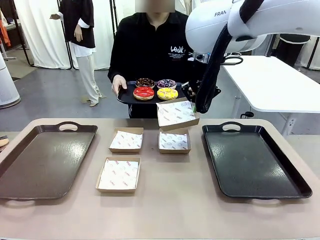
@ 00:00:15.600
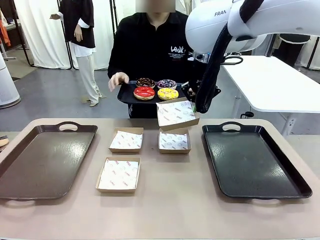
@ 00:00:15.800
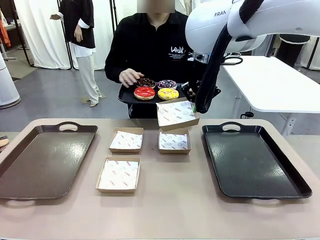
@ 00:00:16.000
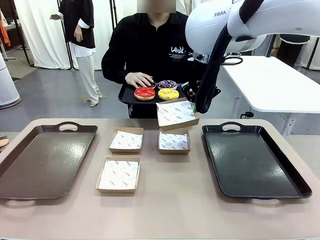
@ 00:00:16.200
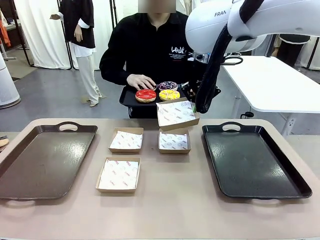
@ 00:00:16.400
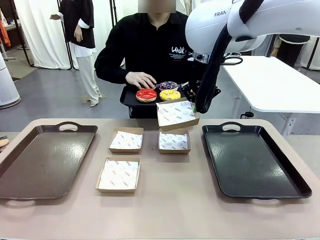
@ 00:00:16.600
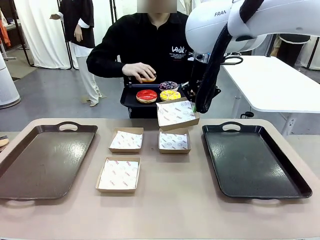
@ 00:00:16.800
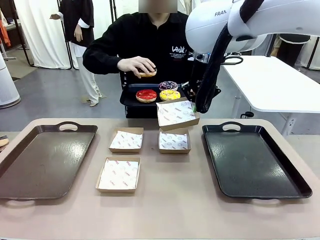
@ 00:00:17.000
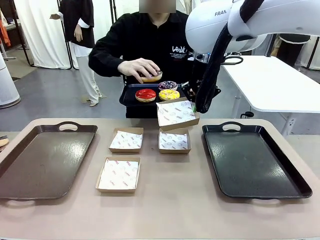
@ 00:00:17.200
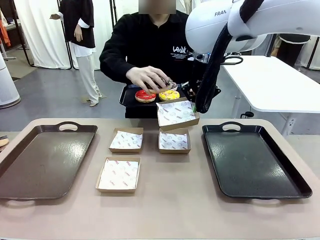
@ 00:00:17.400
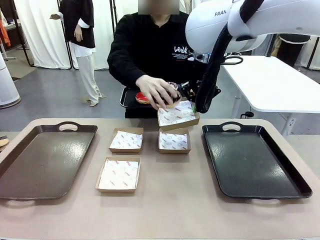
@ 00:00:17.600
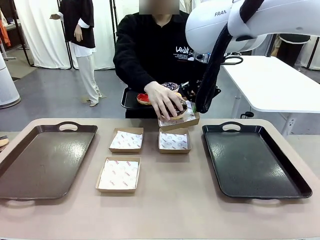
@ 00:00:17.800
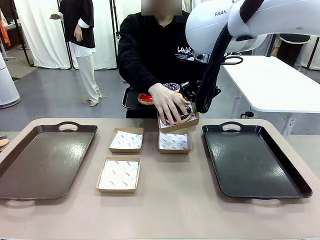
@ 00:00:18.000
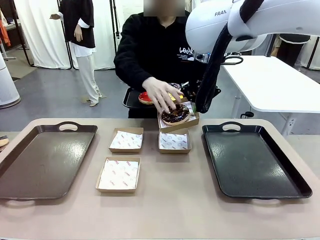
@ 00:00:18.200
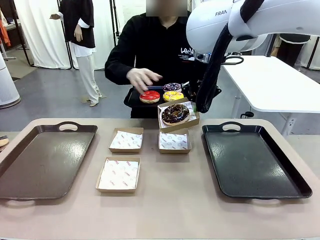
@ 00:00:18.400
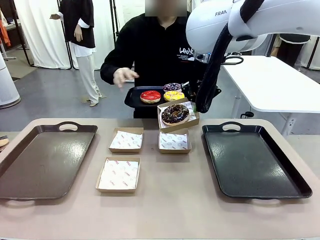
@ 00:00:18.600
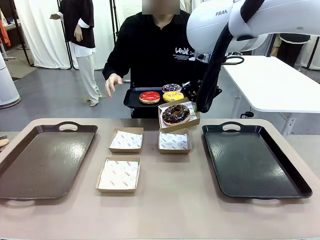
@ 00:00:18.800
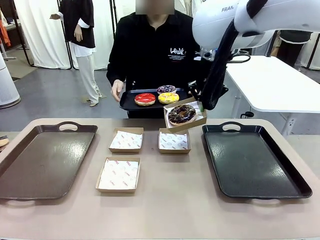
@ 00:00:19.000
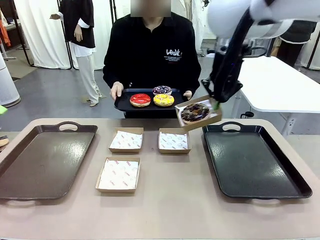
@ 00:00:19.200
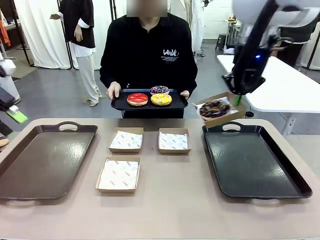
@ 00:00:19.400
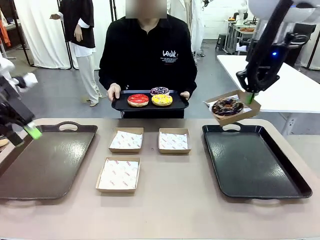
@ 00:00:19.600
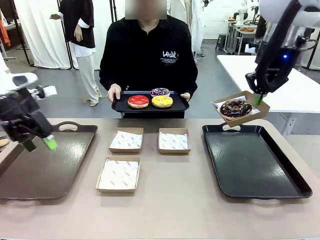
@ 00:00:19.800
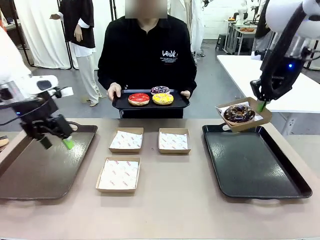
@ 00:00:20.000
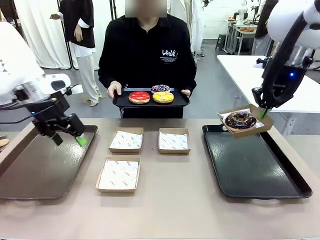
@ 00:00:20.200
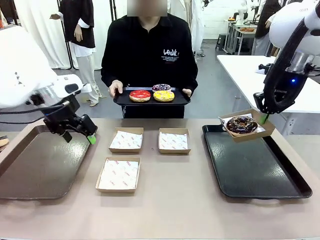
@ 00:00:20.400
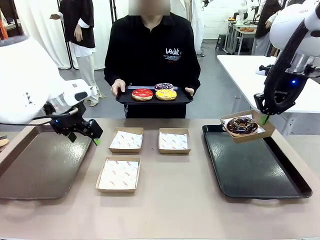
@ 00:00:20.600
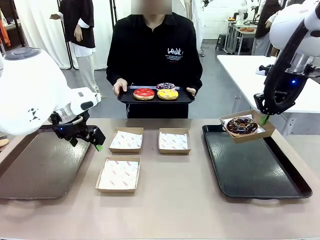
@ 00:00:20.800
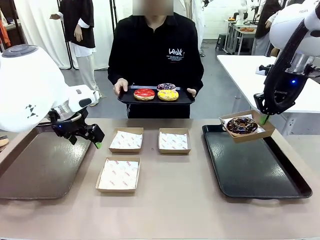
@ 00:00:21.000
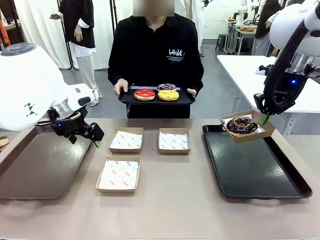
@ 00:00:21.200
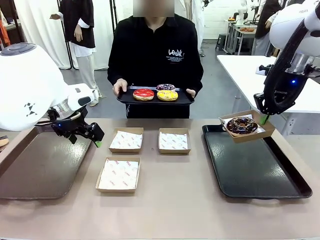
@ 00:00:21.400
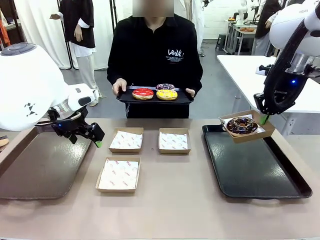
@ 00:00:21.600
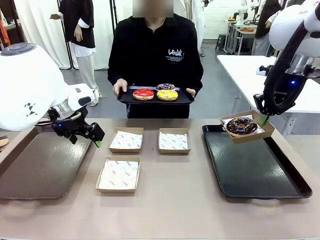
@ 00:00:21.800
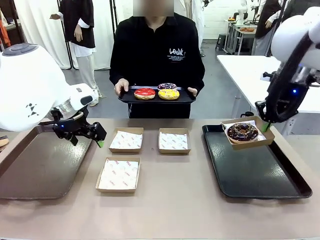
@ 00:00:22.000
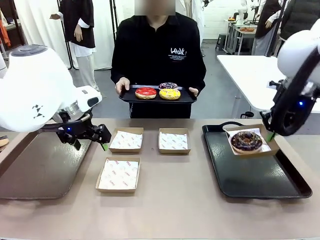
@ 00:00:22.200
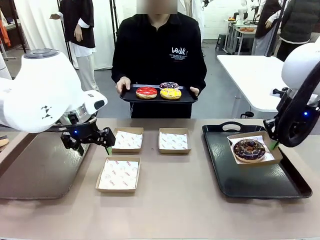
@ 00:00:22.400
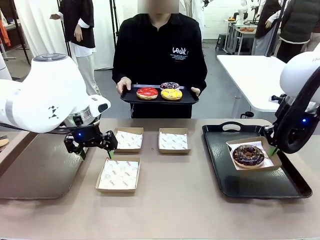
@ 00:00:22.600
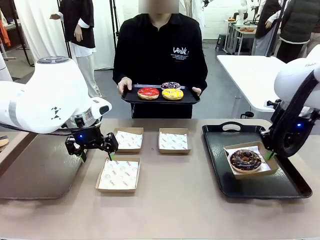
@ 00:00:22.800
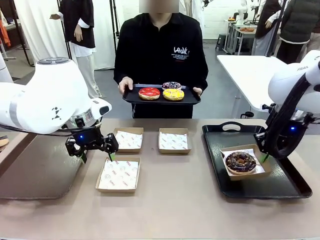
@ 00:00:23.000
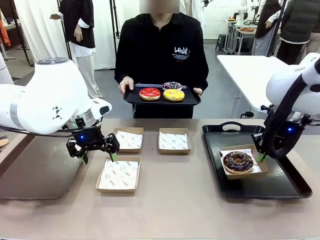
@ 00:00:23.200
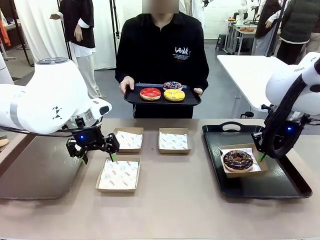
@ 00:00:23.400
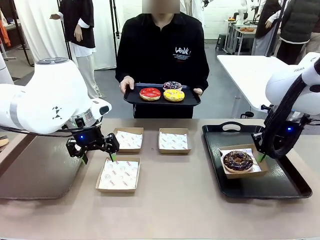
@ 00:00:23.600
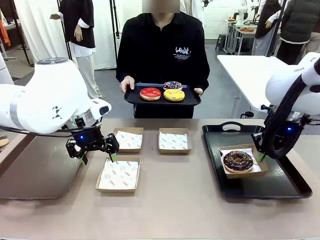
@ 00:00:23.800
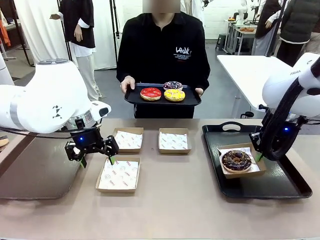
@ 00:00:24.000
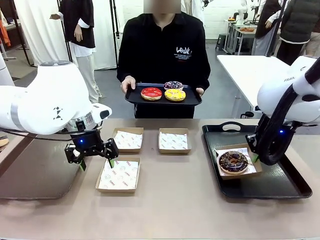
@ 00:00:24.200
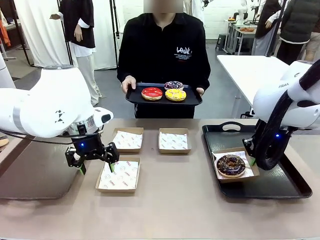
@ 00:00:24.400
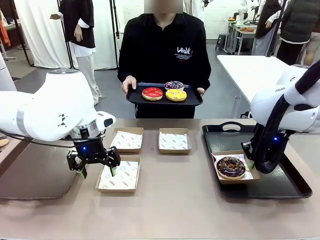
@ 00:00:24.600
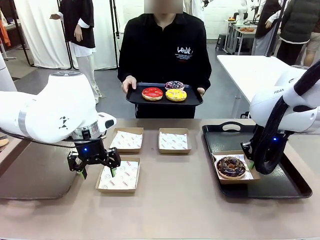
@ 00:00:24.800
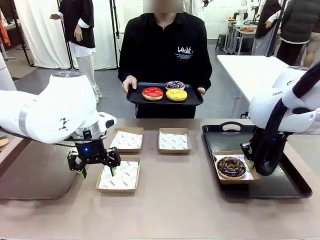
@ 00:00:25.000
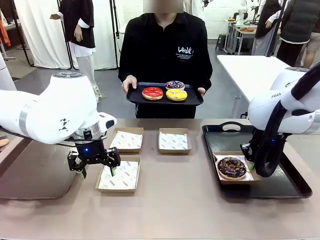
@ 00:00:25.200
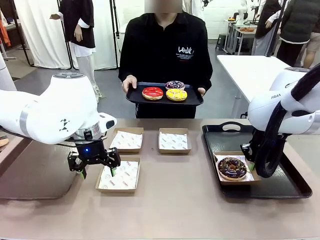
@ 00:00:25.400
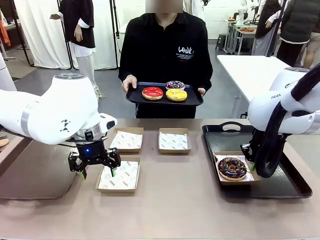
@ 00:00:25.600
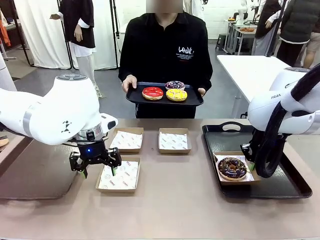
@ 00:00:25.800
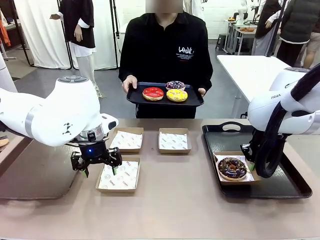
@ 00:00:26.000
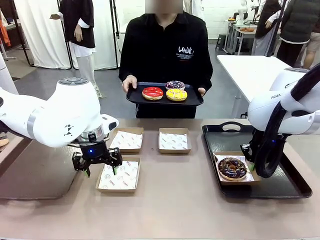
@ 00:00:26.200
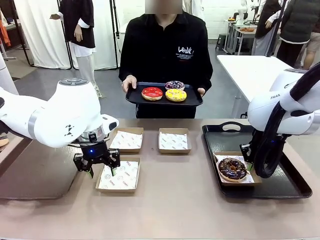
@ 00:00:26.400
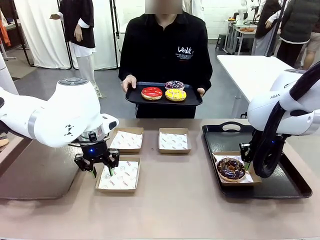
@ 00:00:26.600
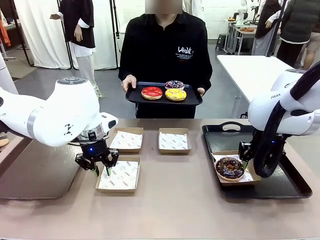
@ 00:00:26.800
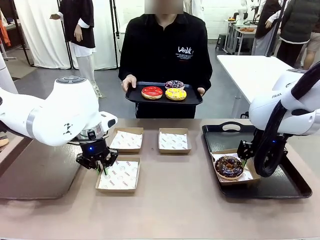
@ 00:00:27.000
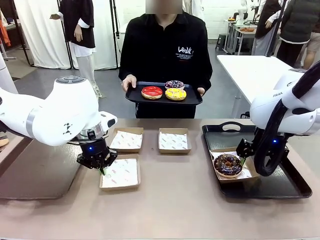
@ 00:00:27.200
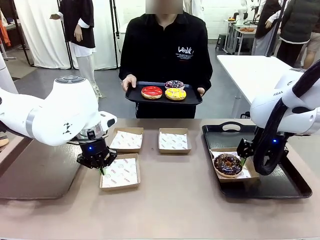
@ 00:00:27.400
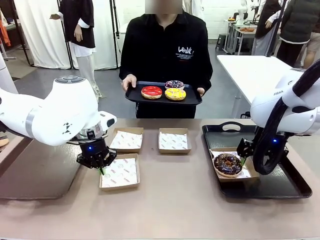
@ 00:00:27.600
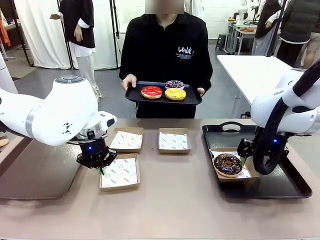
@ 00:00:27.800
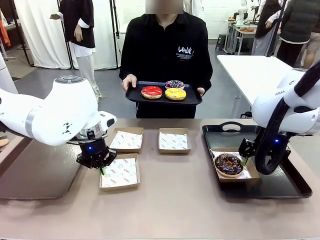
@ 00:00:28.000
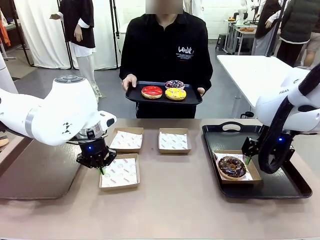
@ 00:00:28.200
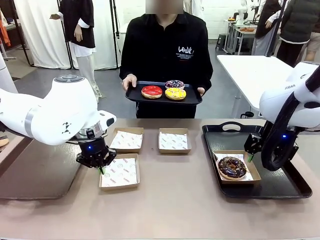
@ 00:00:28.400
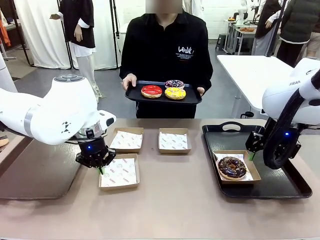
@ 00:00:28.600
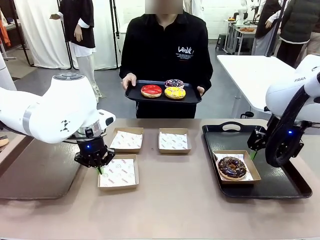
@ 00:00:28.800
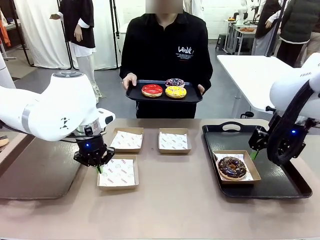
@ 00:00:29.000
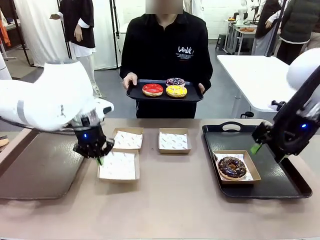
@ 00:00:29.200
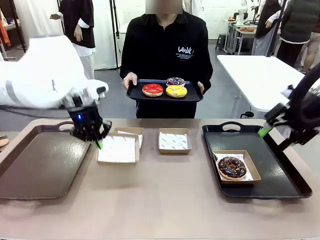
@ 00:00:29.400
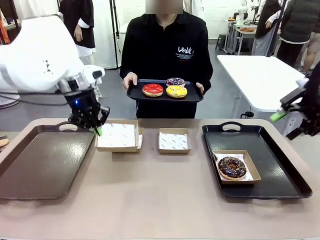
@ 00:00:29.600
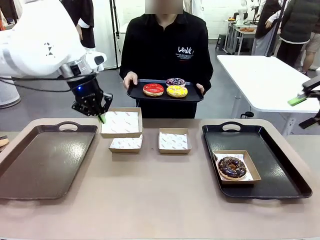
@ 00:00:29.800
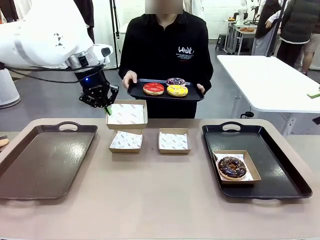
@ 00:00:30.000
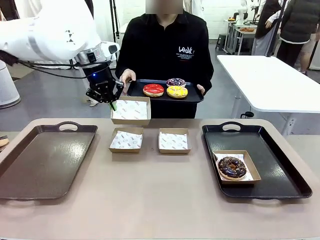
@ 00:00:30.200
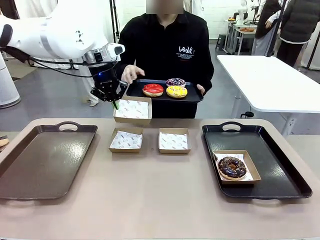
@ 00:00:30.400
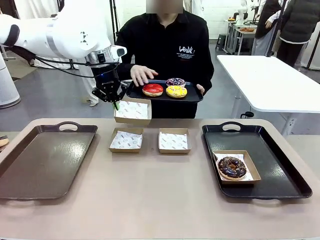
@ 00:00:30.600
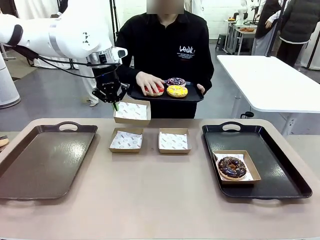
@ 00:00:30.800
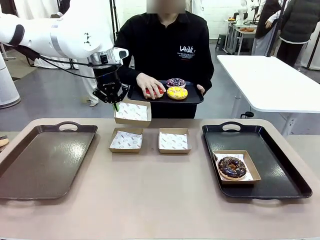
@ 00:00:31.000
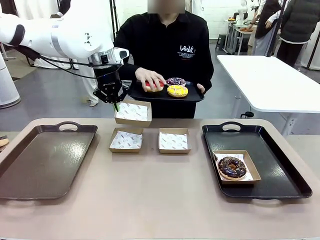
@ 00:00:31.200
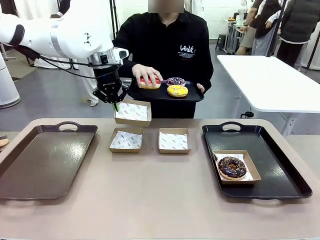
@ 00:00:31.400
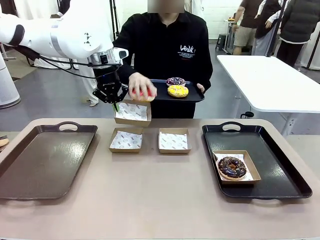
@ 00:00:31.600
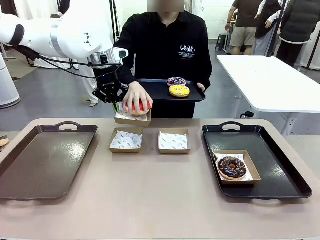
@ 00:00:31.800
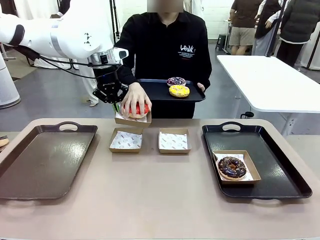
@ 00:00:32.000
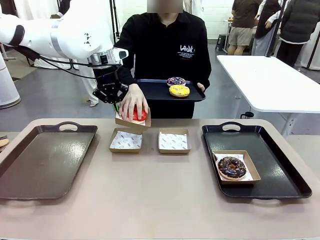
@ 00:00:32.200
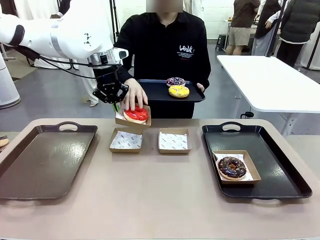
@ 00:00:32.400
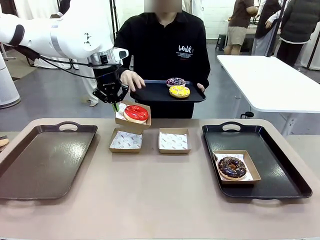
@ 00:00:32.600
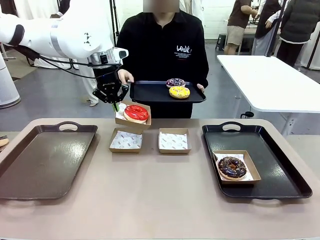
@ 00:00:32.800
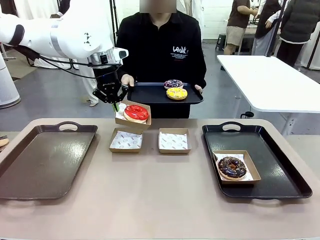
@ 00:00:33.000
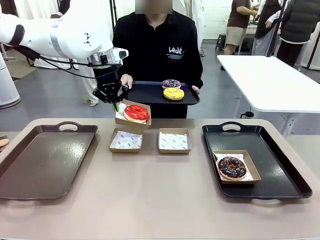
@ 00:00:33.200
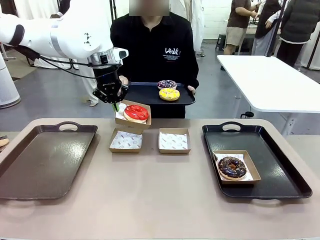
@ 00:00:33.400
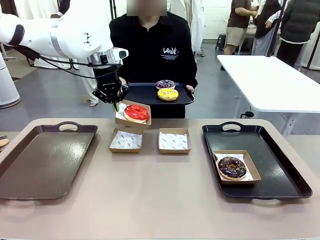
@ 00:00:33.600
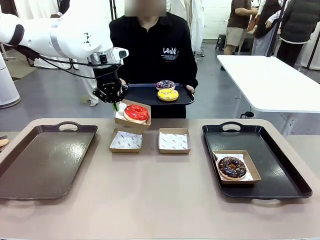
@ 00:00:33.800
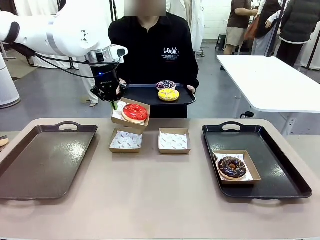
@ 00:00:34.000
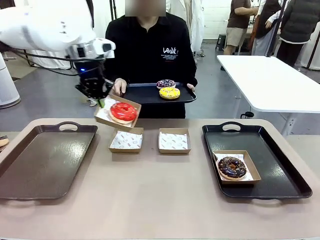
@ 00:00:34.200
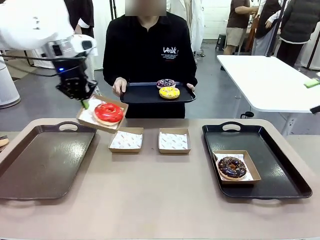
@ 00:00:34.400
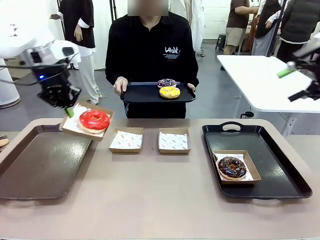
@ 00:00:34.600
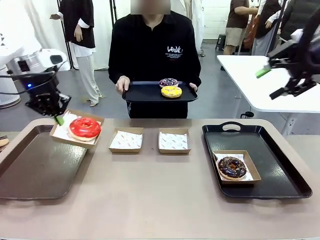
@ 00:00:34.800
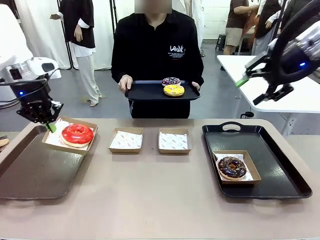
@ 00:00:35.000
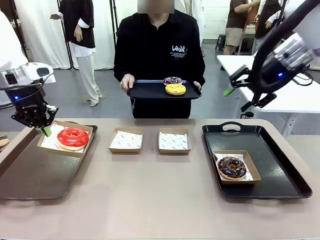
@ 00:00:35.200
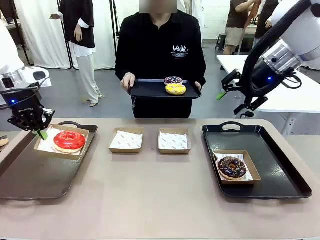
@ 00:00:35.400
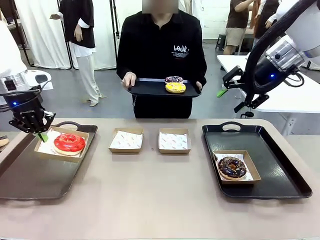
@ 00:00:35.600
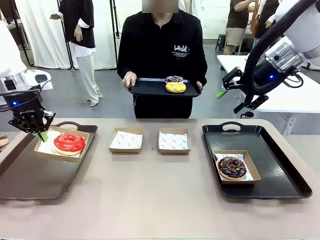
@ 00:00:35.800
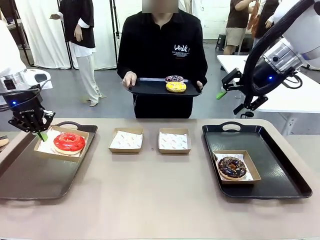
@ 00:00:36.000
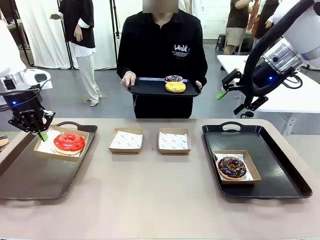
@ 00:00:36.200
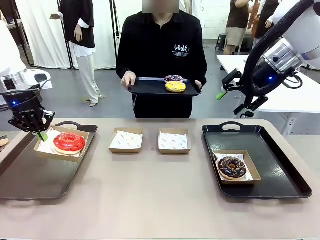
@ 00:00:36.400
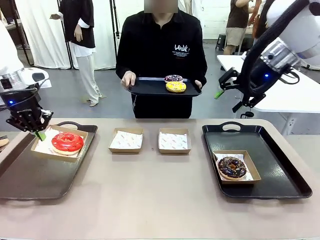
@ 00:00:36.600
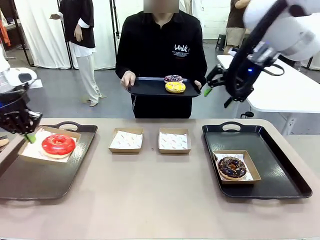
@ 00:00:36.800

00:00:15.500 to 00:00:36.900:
Task: Individually package the donuts and arrange them on the tray.
Robot: Place the picked Paper togo box on the Handle tray while simultaneously picking up another Paper togo box from the table with the other hand.
